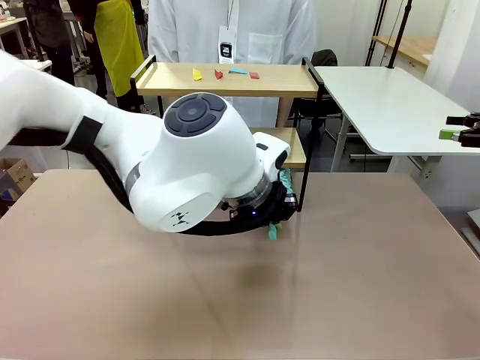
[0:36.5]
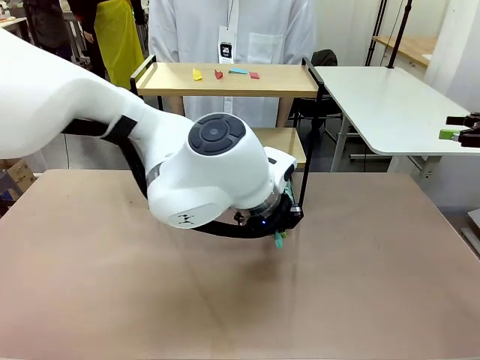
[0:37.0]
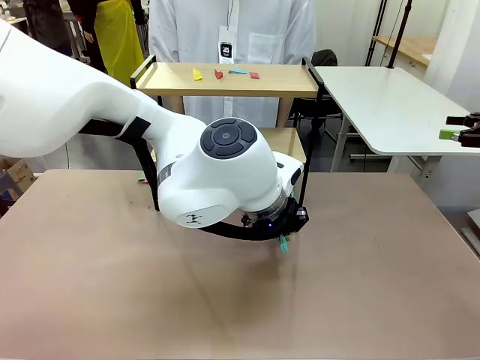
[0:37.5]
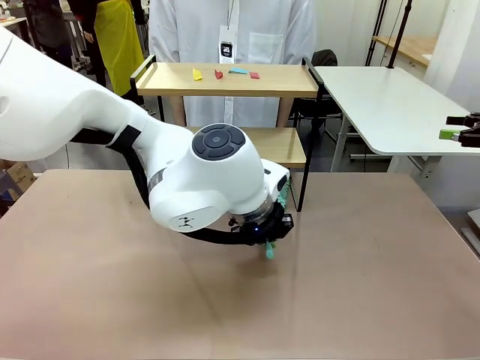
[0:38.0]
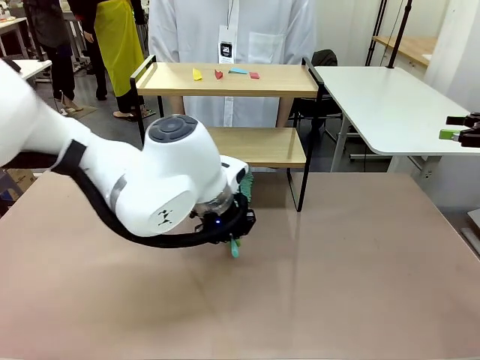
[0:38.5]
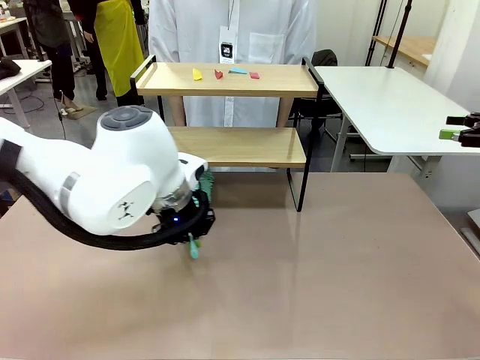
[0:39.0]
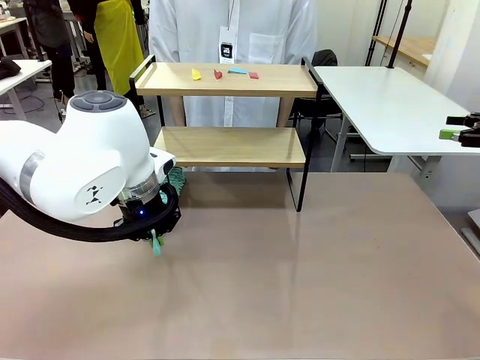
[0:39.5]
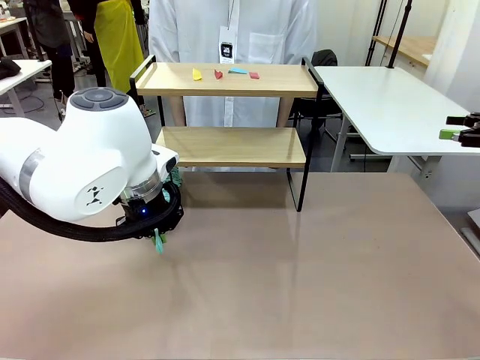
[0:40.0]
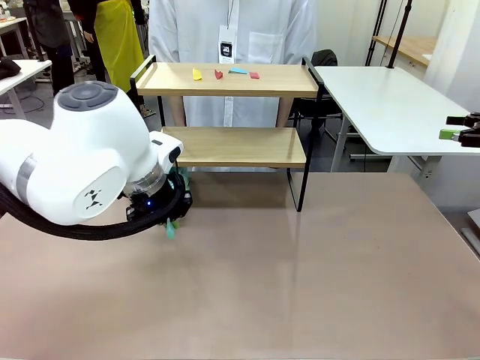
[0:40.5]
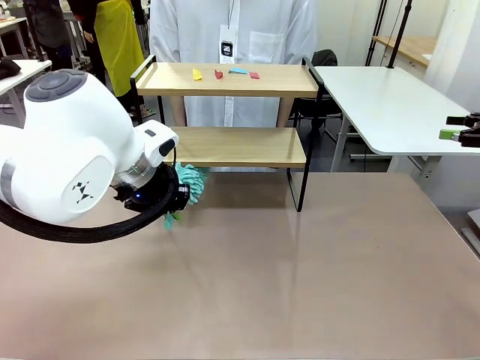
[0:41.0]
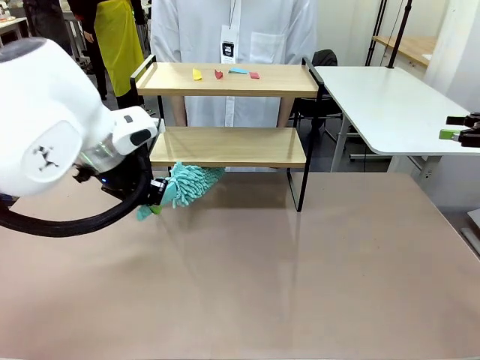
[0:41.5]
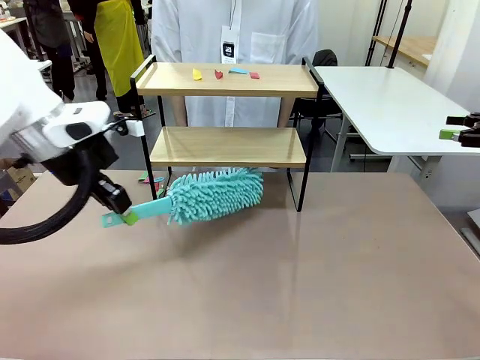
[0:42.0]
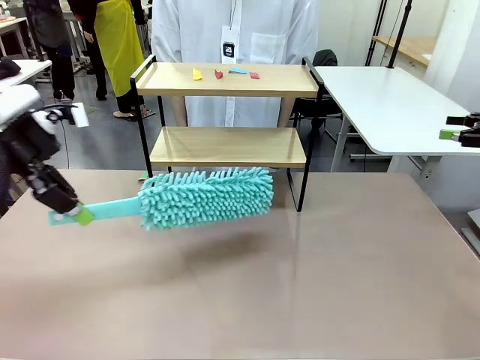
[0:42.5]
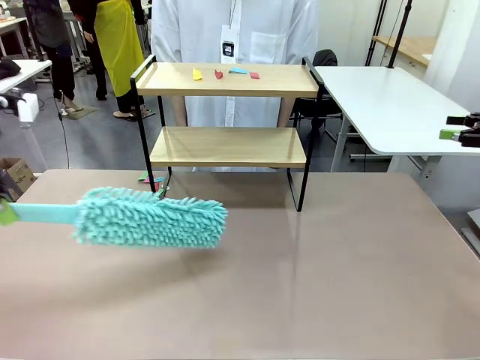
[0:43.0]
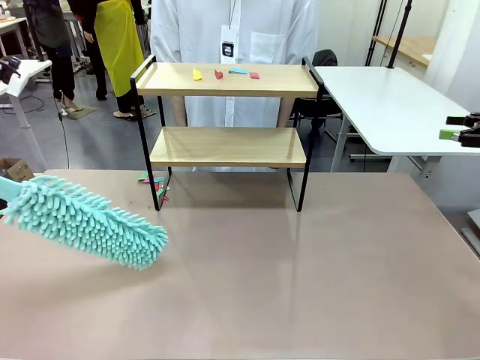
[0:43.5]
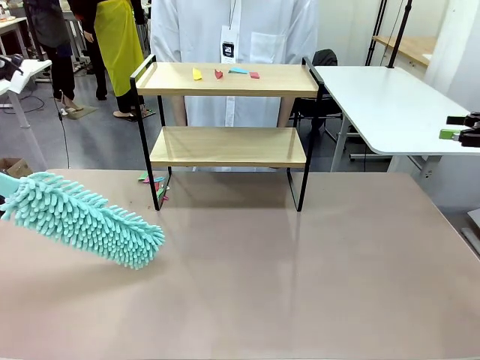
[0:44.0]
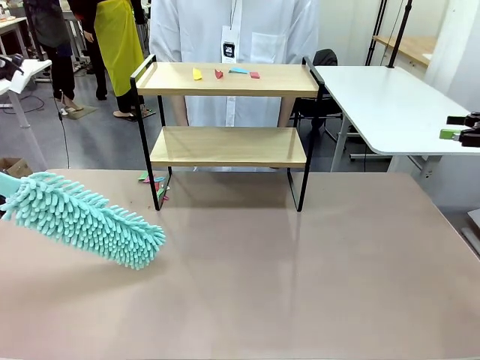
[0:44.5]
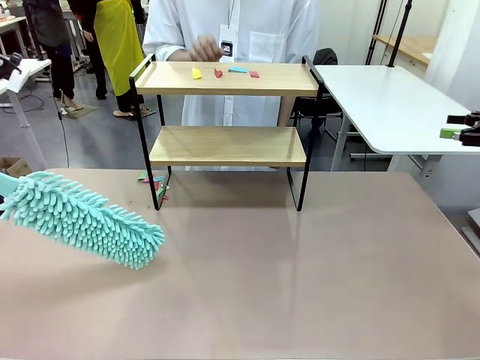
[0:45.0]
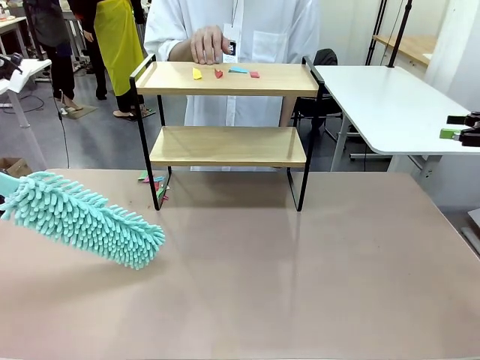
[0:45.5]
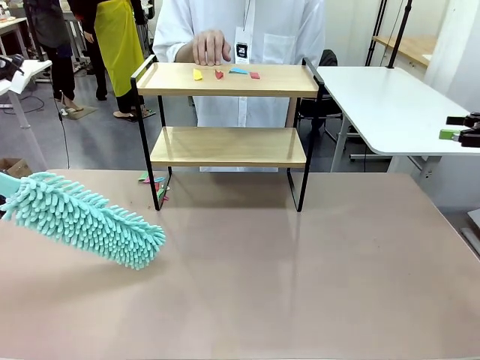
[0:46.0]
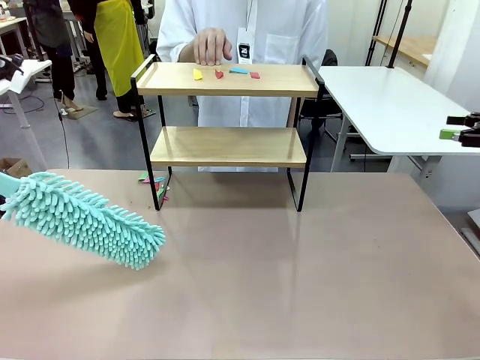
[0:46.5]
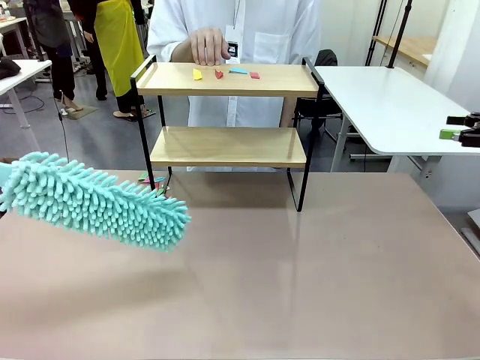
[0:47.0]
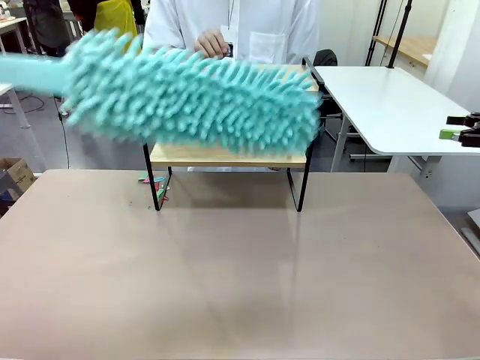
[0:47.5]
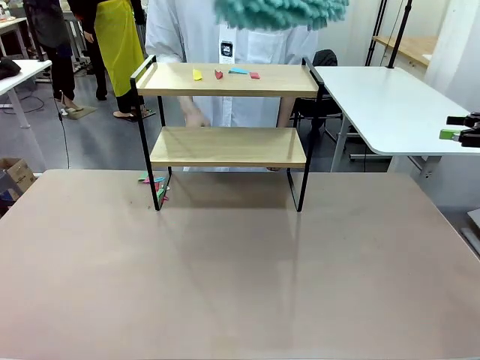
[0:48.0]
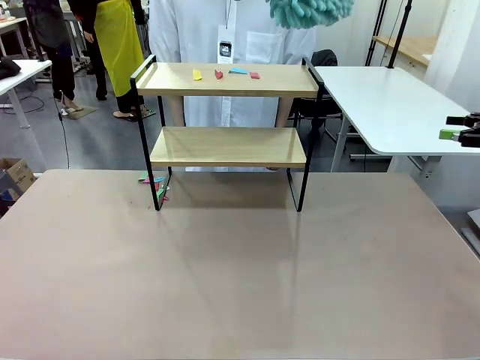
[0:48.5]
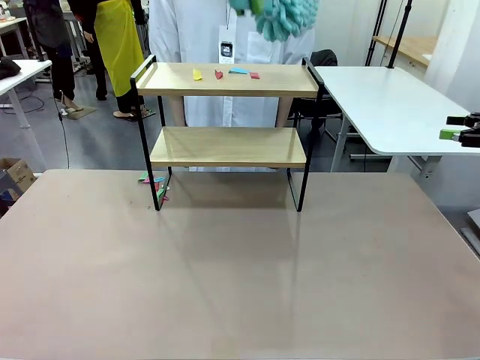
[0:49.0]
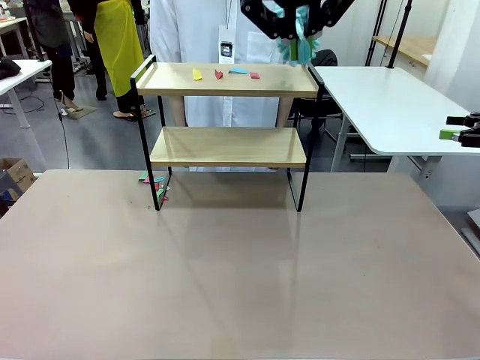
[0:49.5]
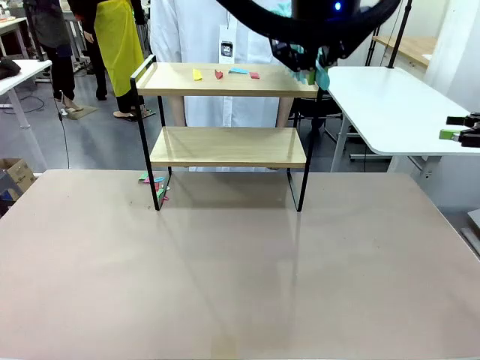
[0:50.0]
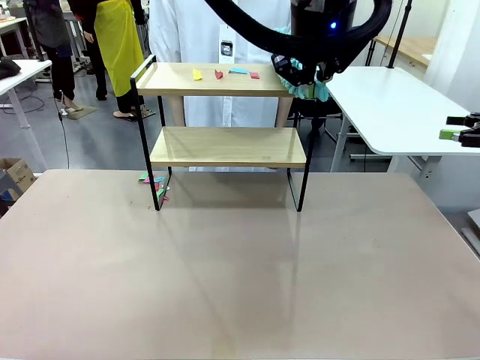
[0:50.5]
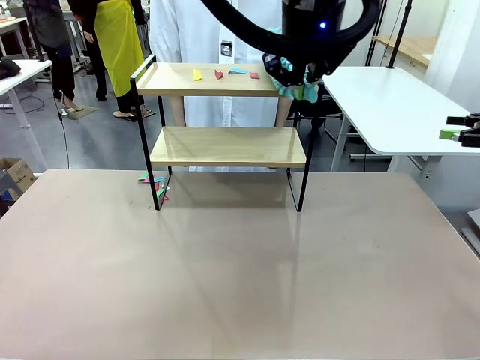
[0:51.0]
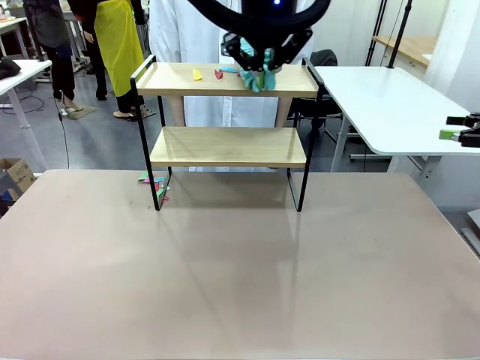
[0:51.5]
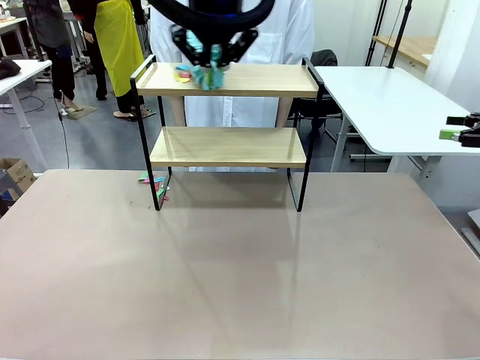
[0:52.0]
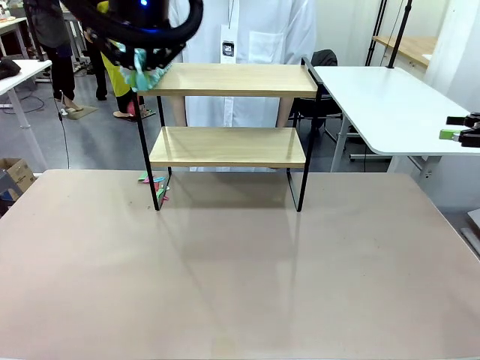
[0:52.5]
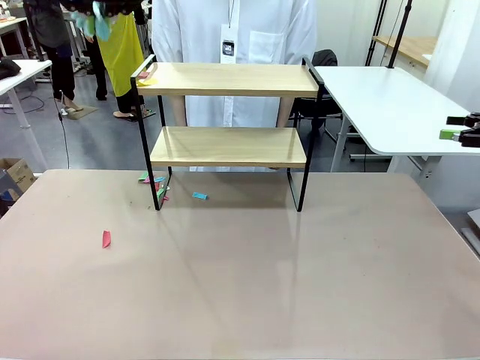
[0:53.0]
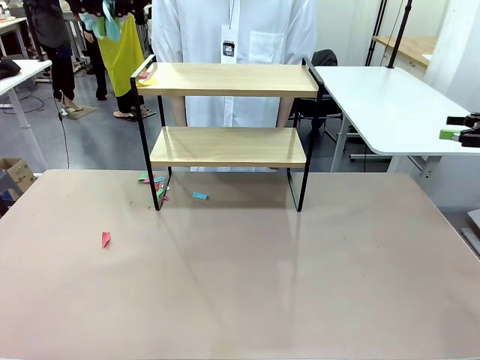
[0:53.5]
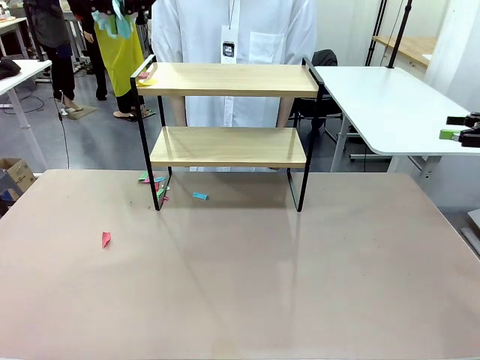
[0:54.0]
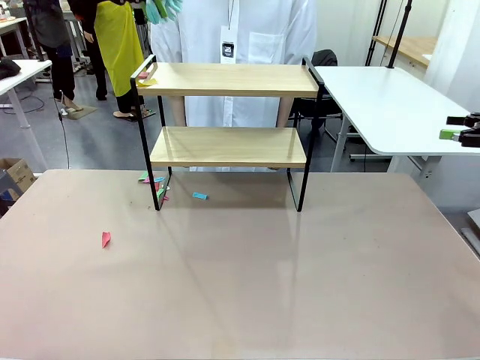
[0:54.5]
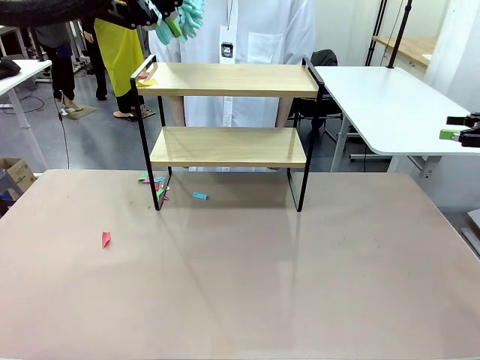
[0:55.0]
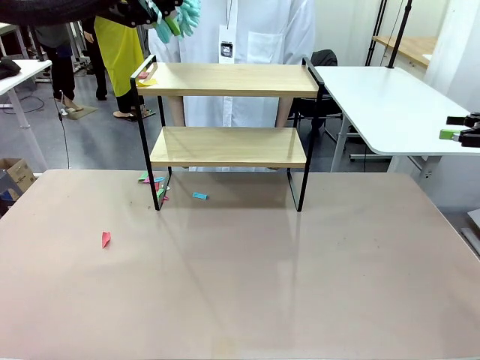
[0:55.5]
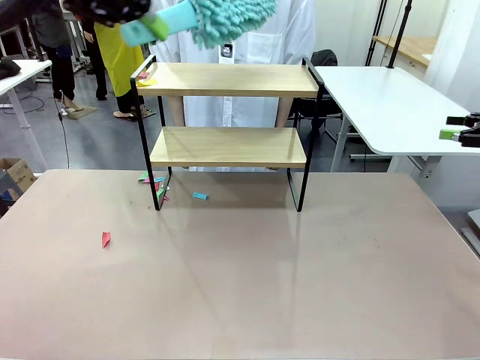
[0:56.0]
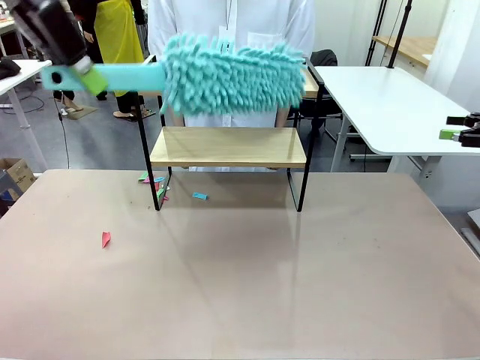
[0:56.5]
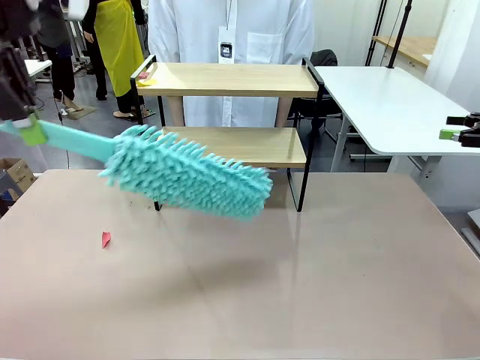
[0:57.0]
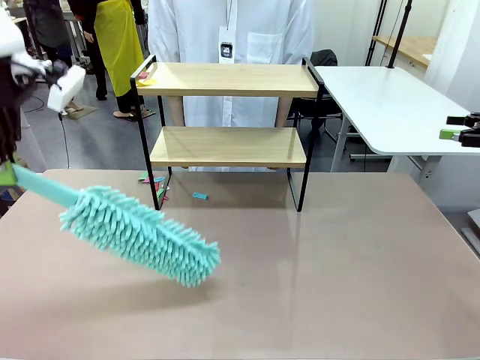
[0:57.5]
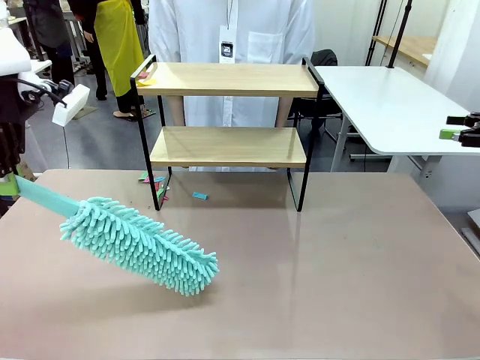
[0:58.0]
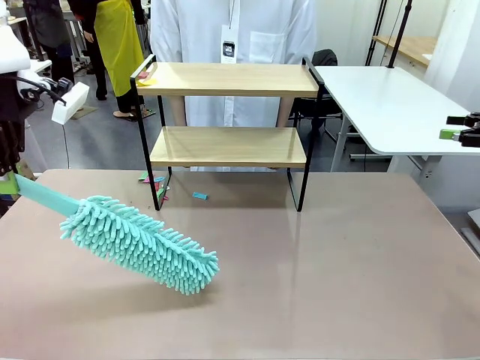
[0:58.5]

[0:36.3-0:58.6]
Task: Clean the shelf.
Robot: Clean the specific section of the Shelf indicated by the human with the Duster.
Person: Point a remaining section of the Shelf.
